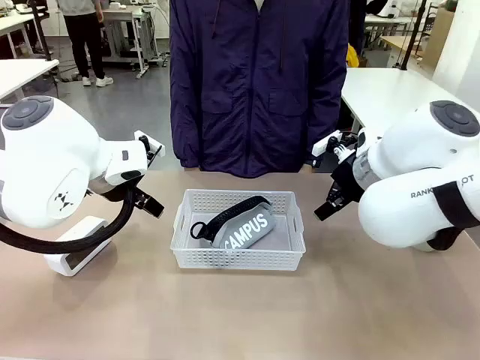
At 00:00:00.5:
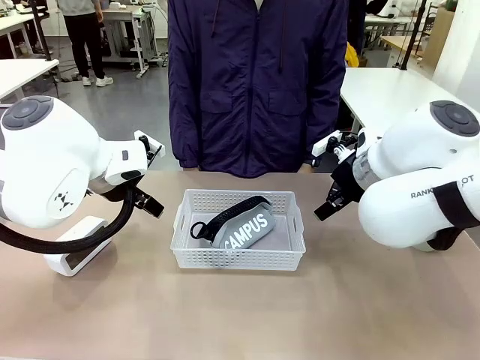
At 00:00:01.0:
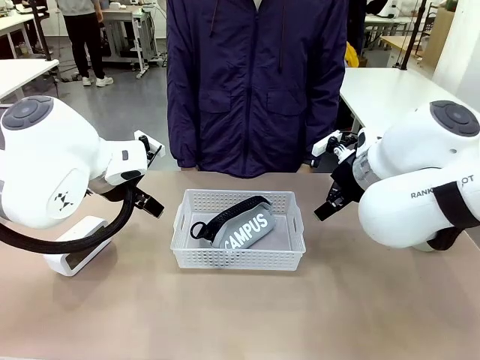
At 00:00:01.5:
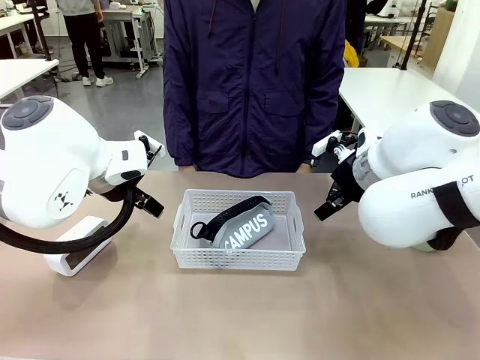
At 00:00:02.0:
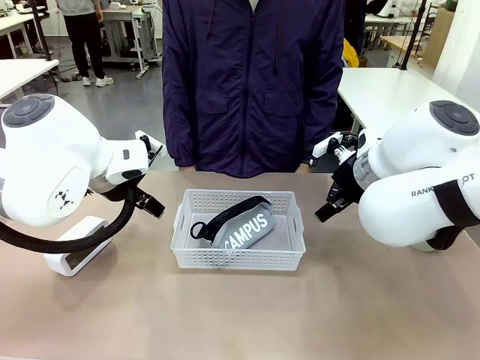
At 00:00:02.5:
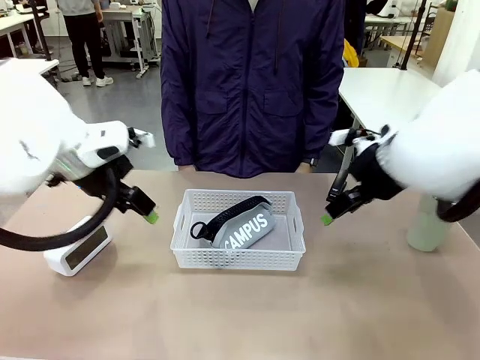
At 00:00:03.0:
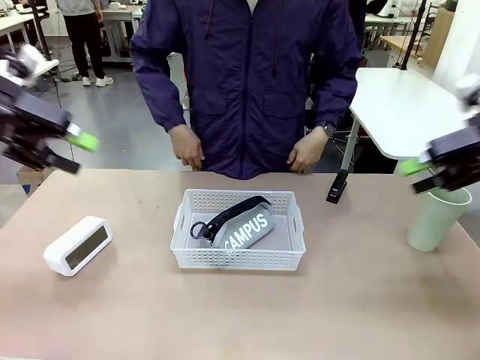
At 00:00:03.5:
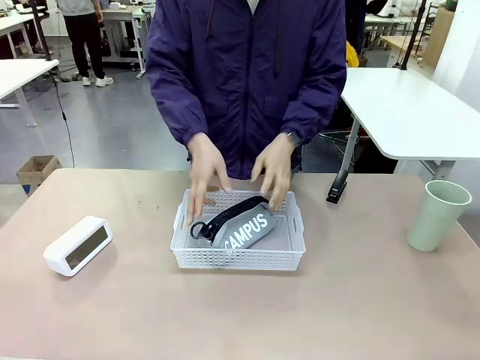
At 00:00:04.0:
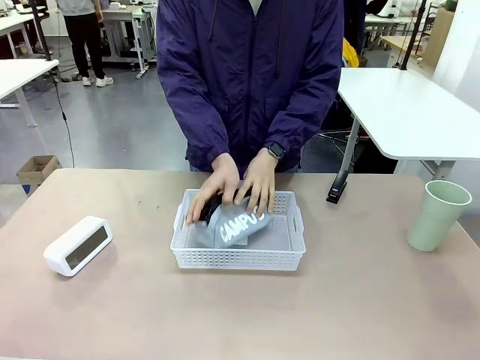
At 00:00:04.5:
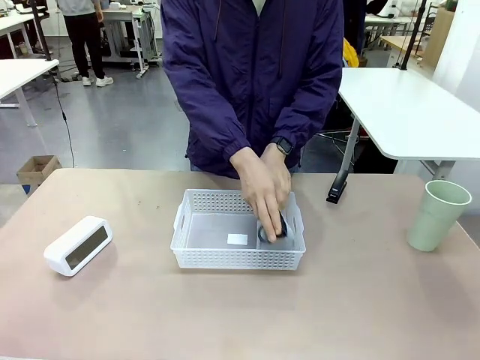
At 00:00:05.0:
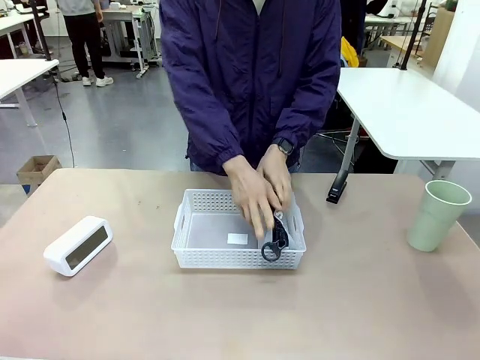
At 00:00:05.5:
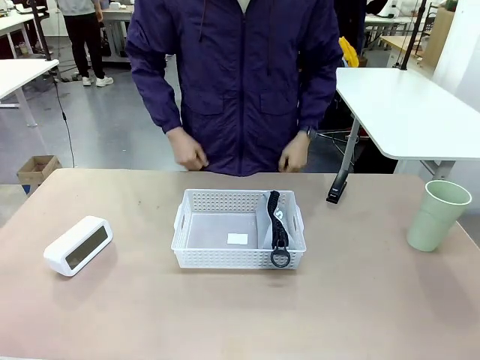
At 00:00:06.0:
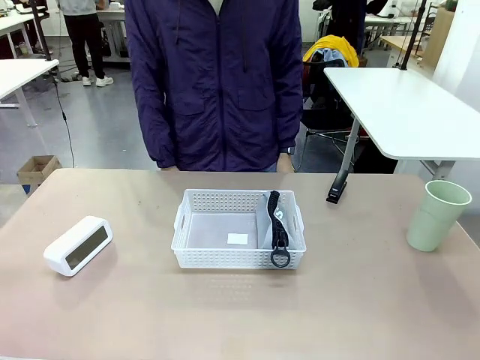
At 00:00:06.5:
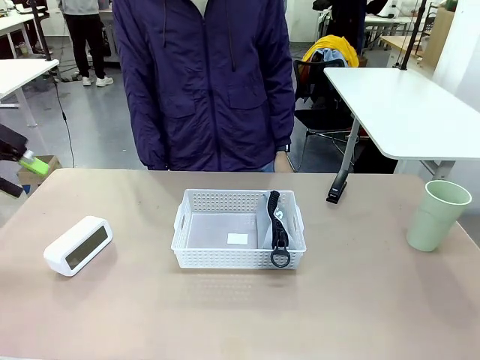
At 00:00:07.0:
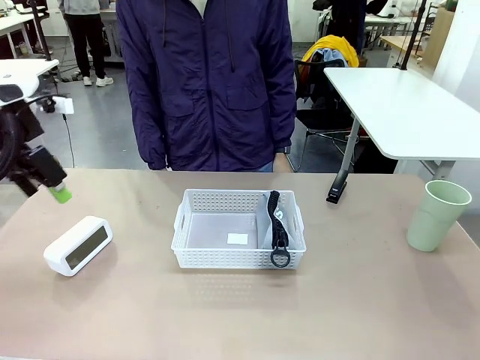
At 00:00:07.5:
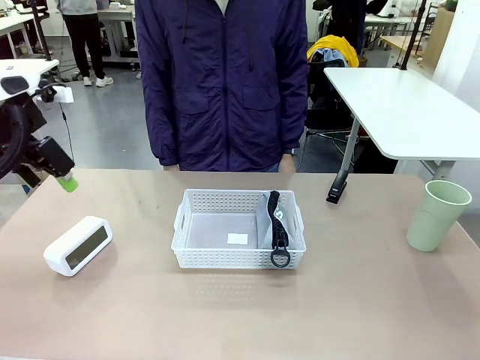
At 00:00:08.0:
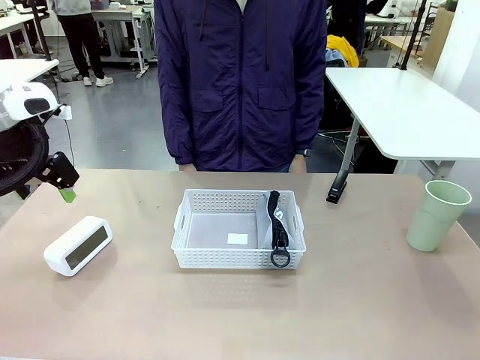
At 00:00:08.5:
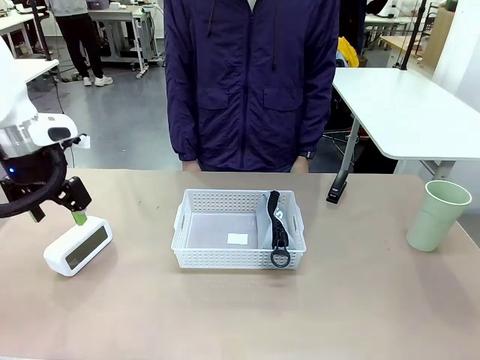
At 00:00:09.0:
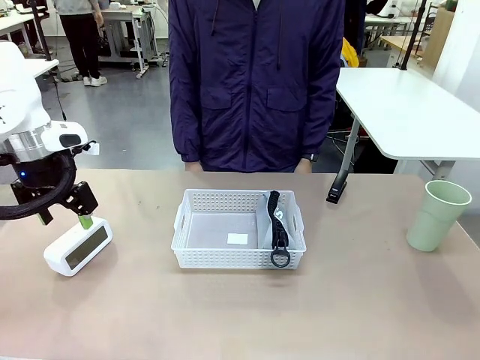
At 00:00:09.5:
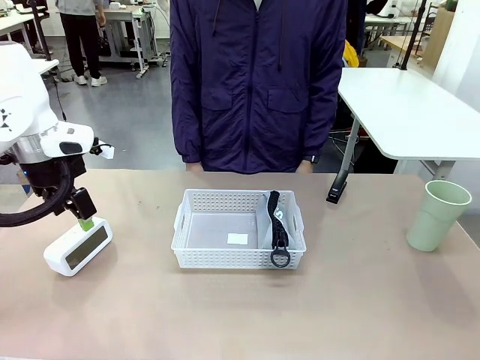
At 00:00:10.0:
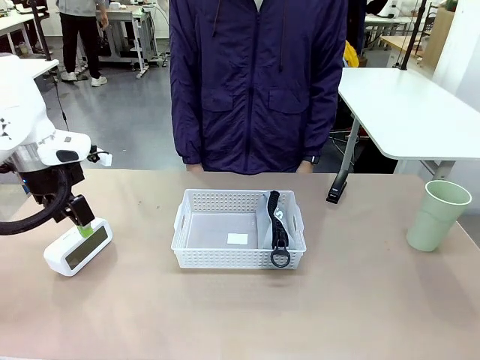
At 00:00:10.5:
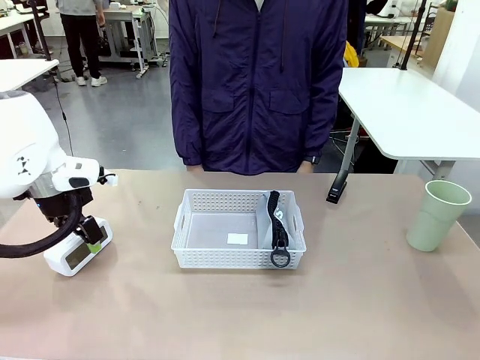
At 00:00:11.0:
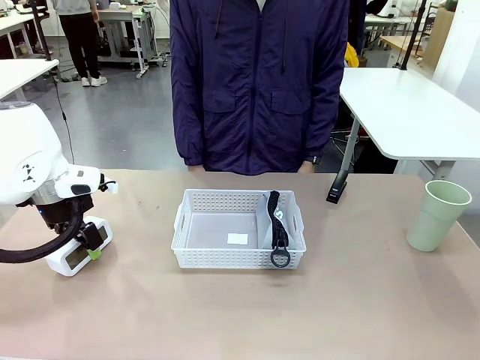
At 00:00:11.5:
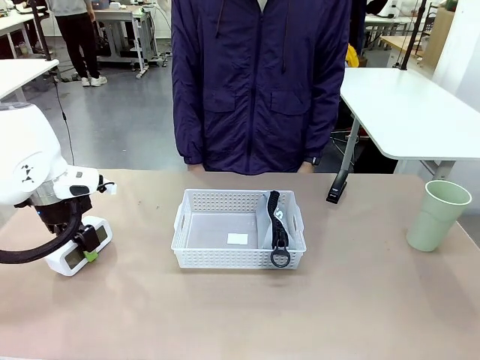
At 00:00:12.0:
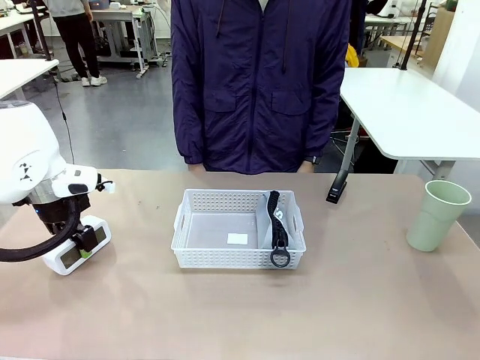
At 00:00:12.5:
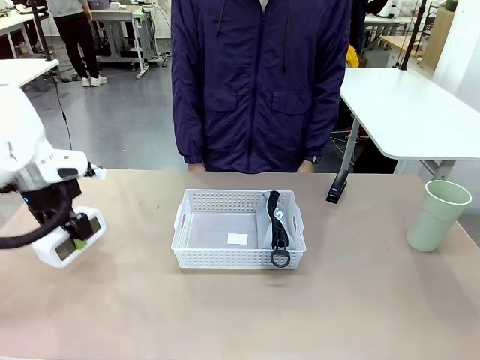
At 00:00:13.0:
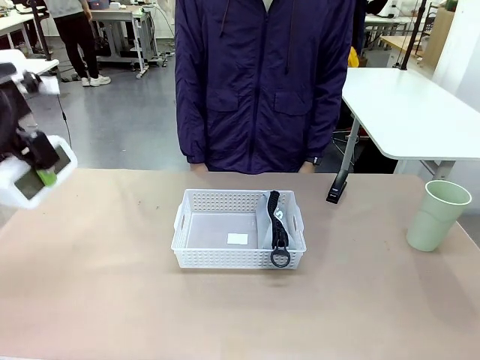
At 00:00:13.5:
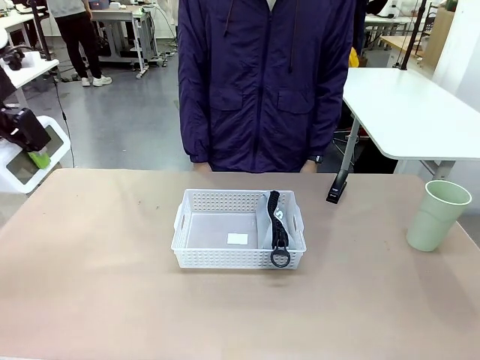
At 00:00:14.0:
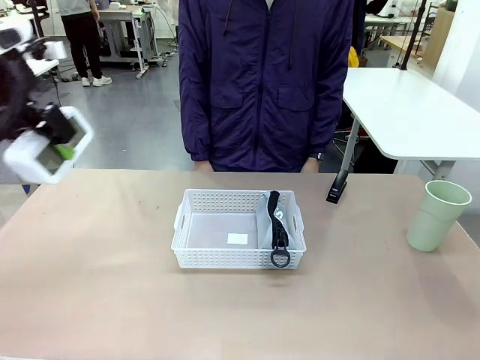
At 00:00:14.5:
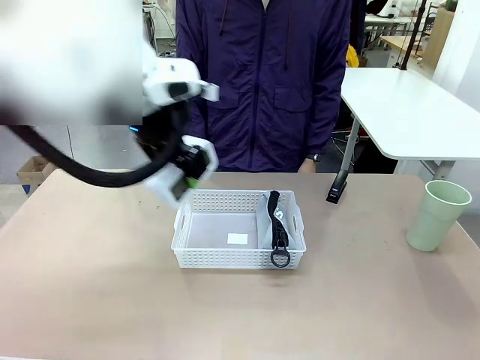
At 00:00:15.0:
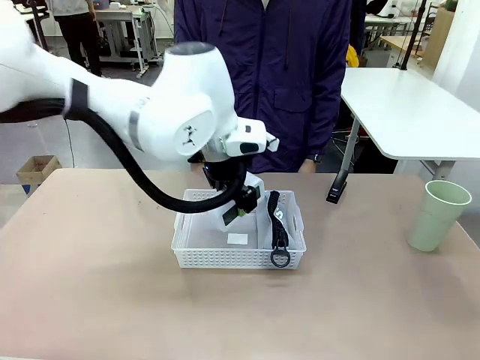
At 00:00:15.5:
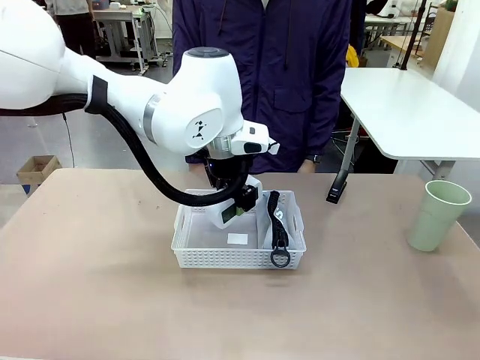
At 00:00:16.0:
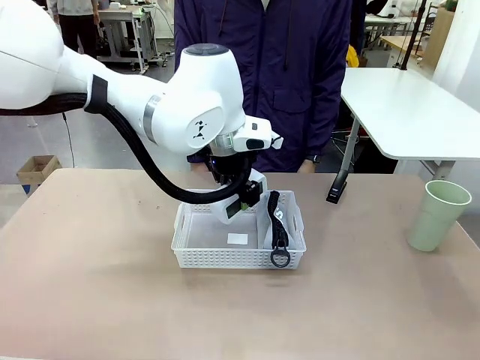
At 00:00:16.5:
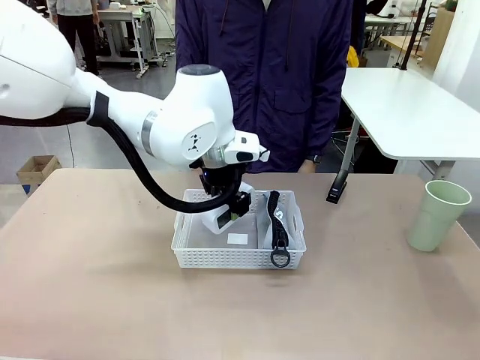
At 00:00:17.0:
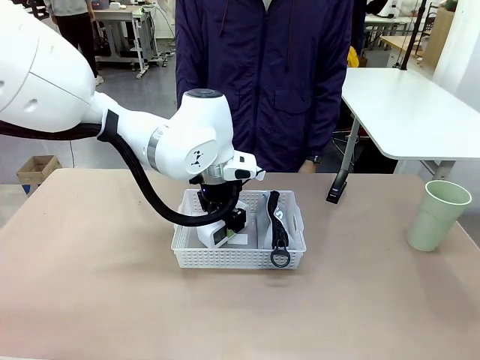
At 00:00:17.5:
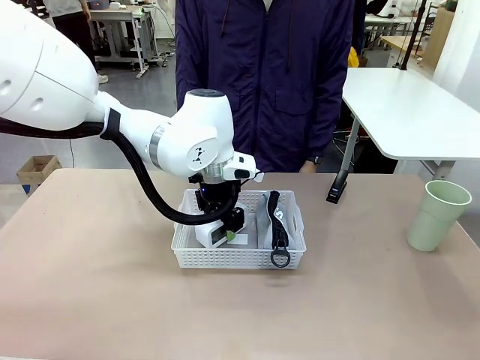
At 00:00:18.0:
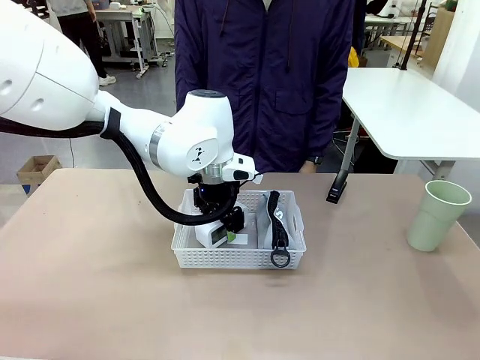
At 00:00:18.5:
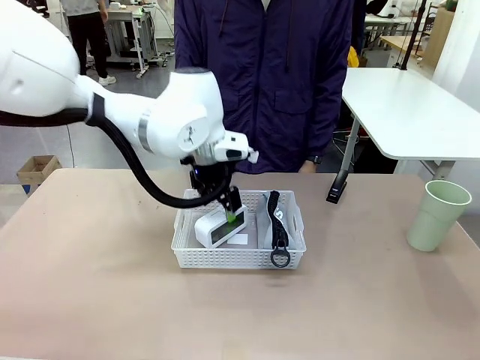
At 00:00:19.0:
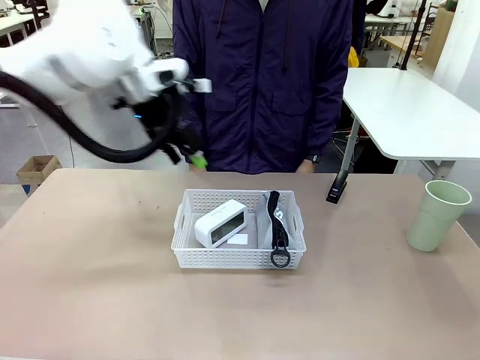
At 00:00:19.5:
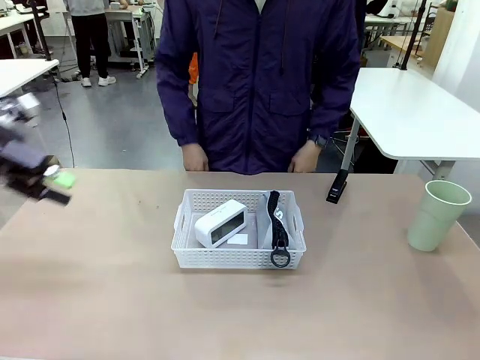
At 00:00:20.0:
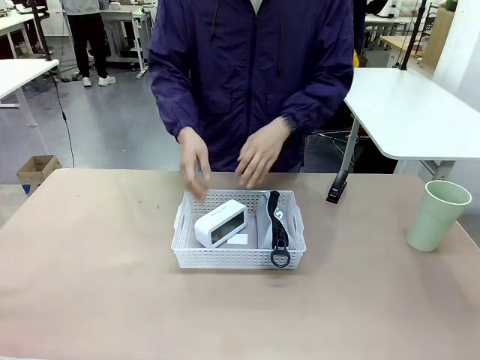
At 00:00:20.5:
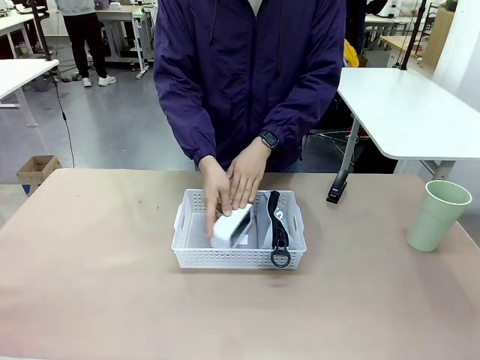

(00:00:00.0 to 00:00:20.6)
Task: Efficiently arrange items inside the basket to fit them all.
Robot: Pick up the Digital clock and place it inside the Organizing basket.
Person: Repositions the pencil case. Repositions the digital clock.
